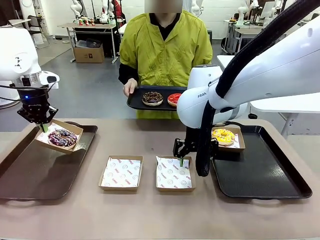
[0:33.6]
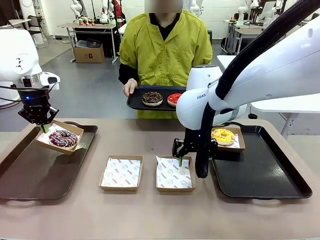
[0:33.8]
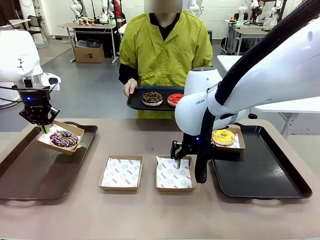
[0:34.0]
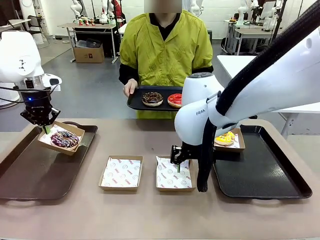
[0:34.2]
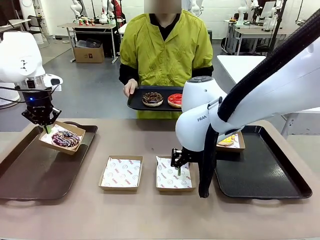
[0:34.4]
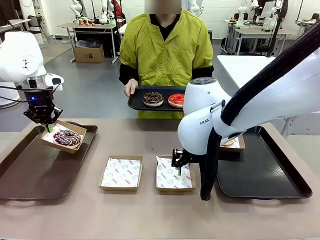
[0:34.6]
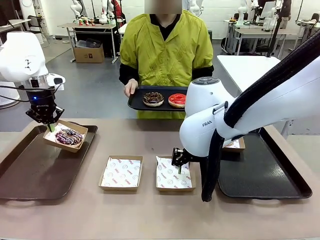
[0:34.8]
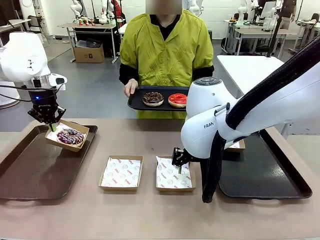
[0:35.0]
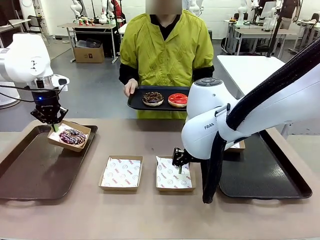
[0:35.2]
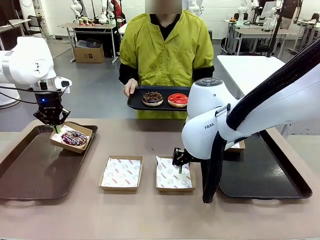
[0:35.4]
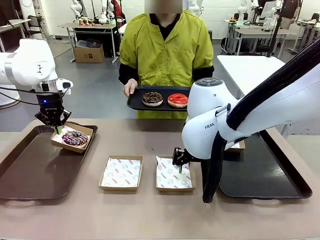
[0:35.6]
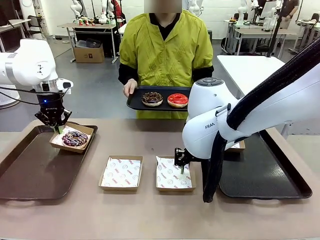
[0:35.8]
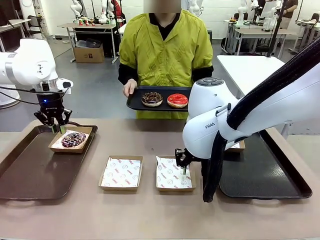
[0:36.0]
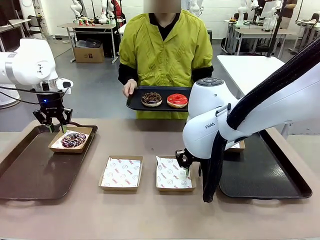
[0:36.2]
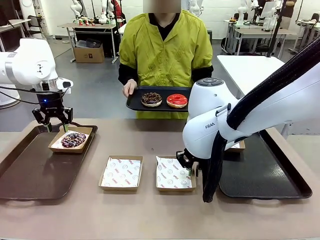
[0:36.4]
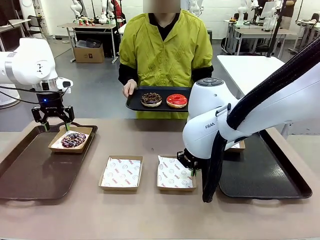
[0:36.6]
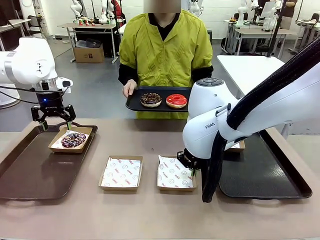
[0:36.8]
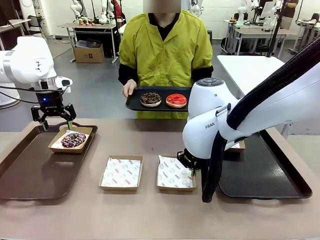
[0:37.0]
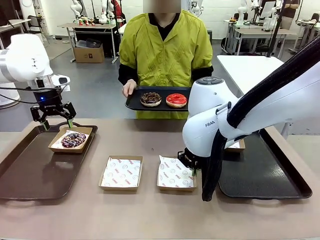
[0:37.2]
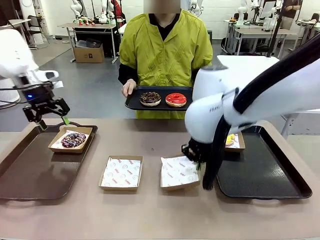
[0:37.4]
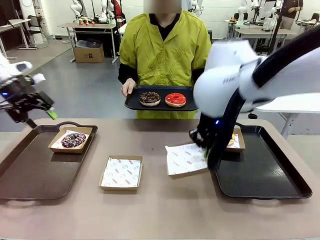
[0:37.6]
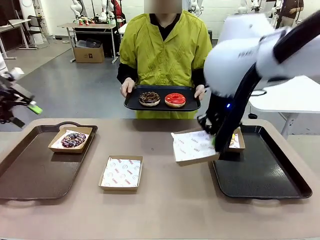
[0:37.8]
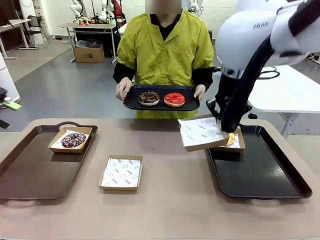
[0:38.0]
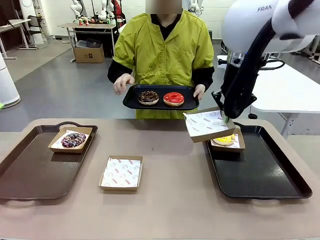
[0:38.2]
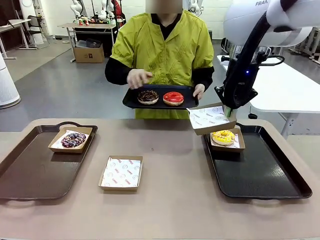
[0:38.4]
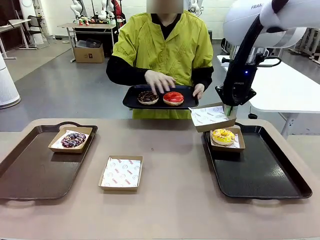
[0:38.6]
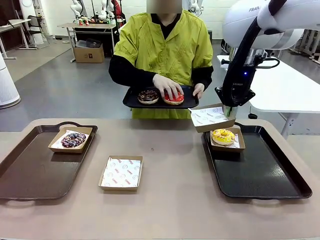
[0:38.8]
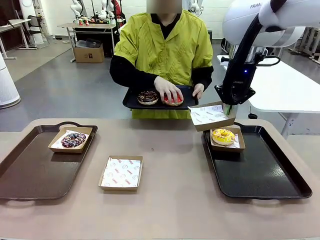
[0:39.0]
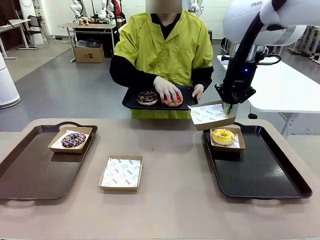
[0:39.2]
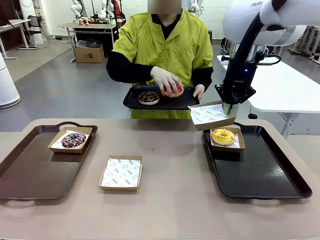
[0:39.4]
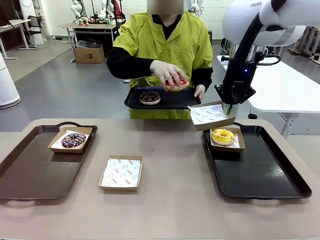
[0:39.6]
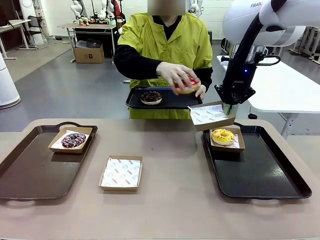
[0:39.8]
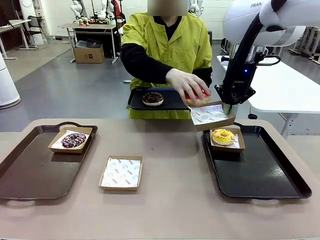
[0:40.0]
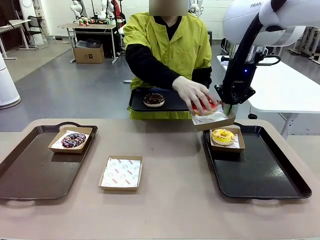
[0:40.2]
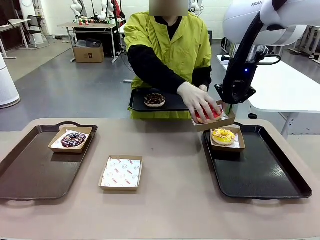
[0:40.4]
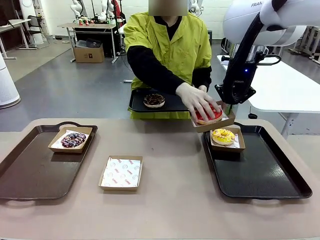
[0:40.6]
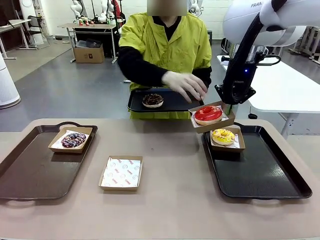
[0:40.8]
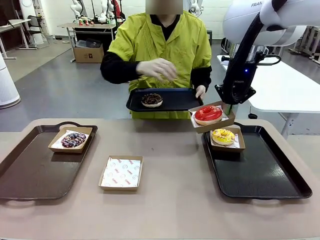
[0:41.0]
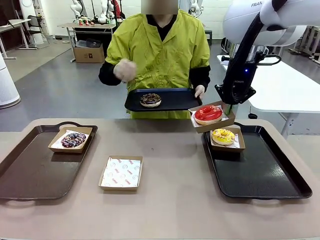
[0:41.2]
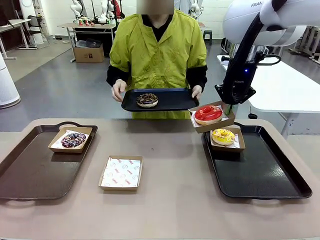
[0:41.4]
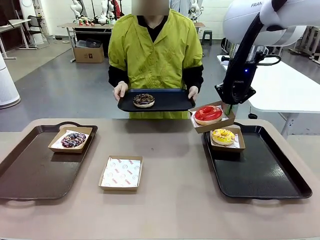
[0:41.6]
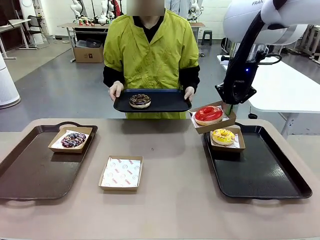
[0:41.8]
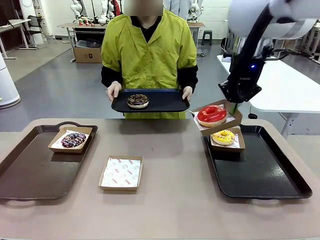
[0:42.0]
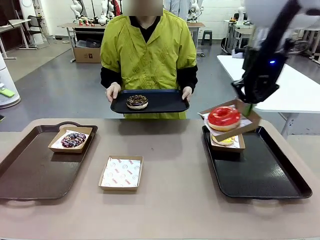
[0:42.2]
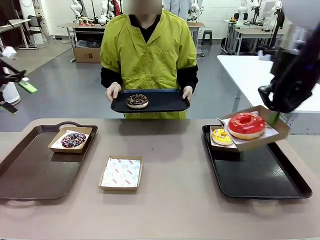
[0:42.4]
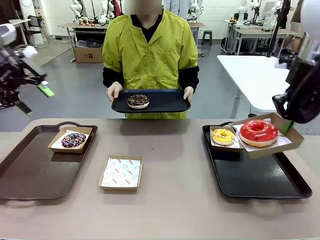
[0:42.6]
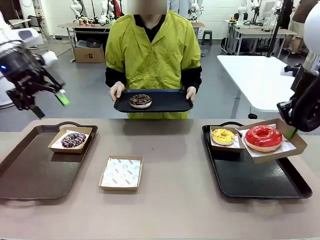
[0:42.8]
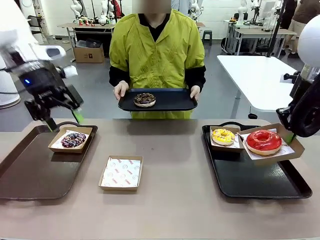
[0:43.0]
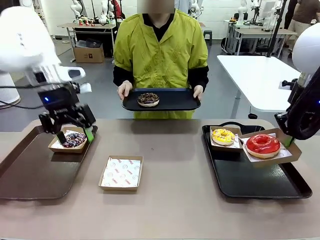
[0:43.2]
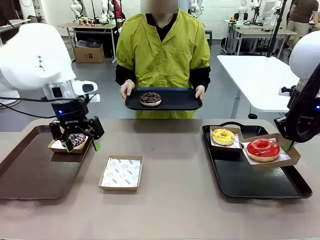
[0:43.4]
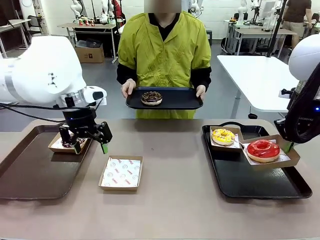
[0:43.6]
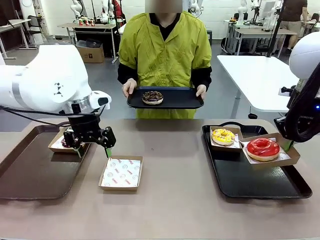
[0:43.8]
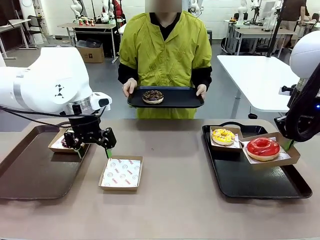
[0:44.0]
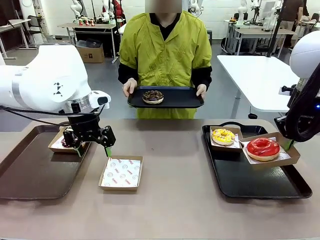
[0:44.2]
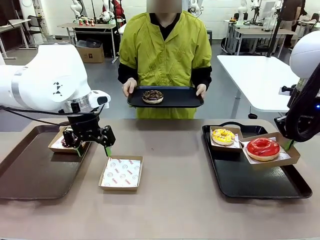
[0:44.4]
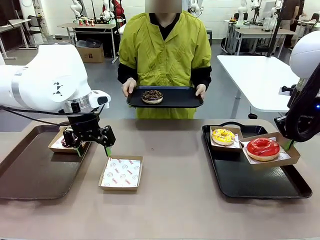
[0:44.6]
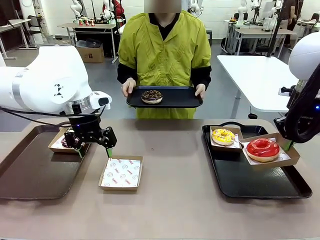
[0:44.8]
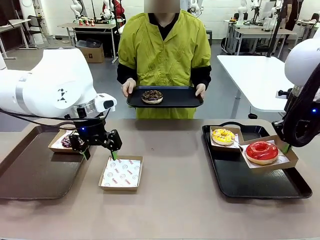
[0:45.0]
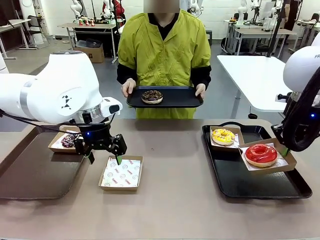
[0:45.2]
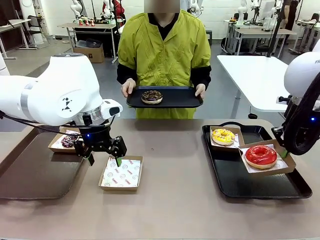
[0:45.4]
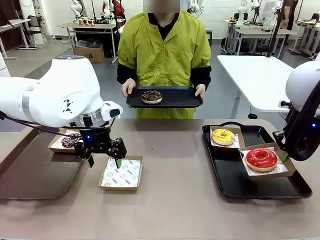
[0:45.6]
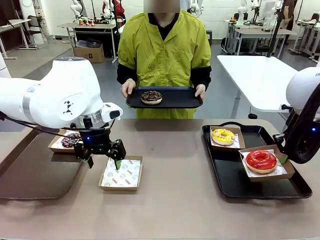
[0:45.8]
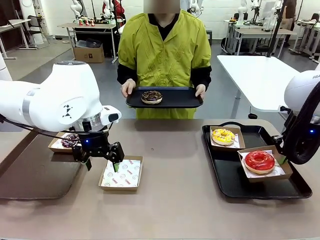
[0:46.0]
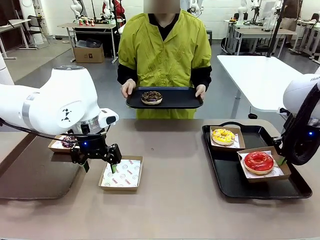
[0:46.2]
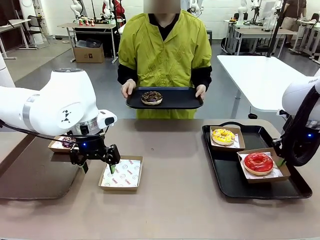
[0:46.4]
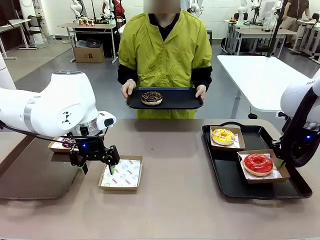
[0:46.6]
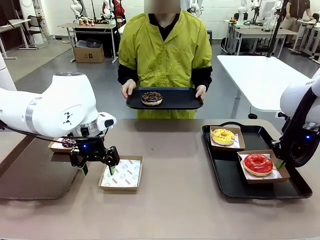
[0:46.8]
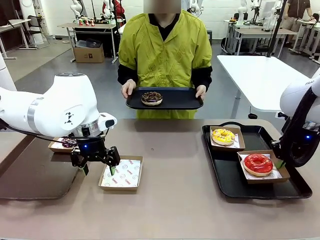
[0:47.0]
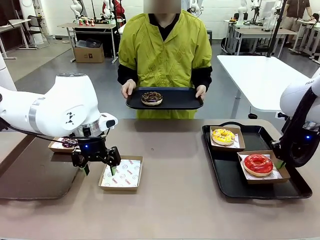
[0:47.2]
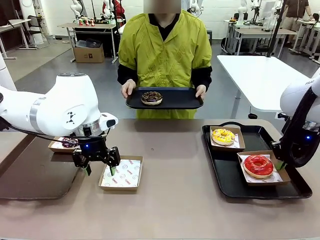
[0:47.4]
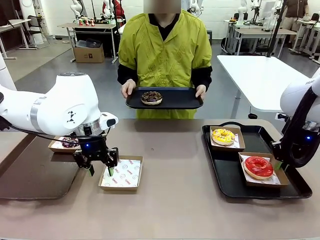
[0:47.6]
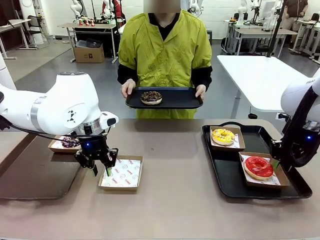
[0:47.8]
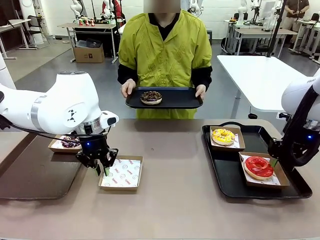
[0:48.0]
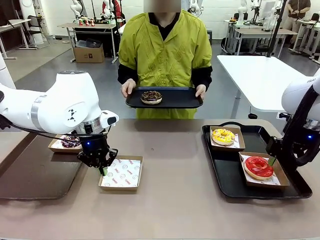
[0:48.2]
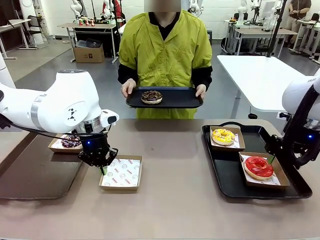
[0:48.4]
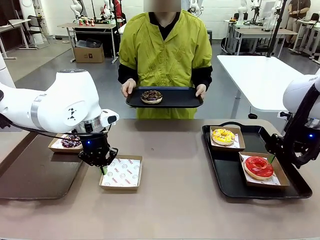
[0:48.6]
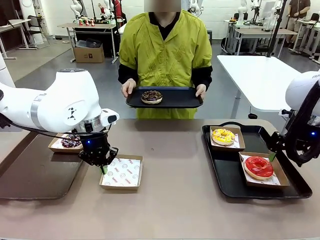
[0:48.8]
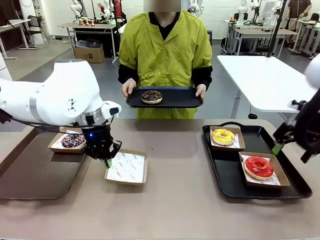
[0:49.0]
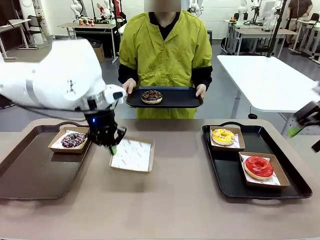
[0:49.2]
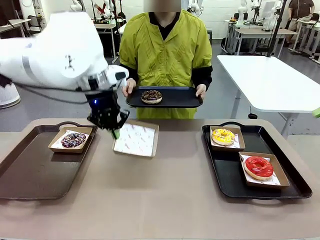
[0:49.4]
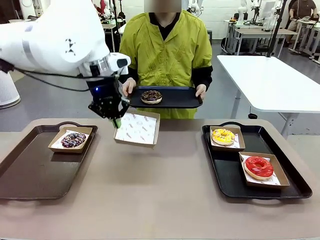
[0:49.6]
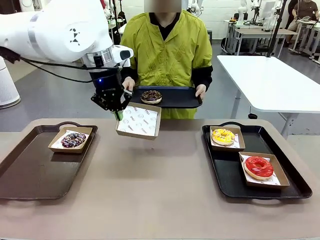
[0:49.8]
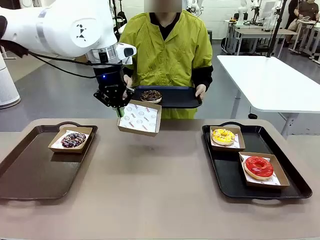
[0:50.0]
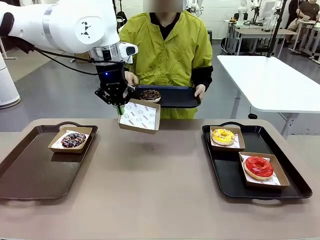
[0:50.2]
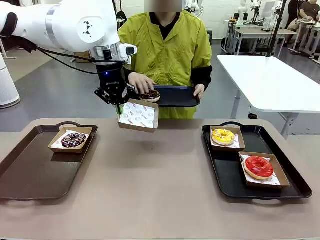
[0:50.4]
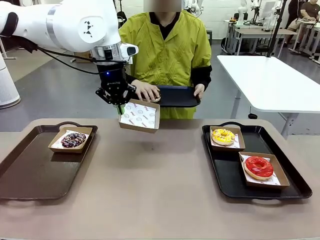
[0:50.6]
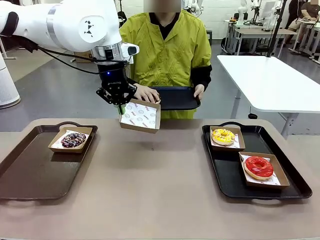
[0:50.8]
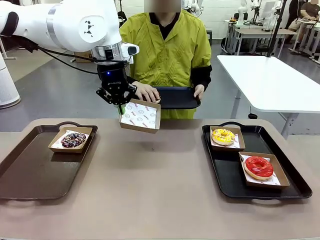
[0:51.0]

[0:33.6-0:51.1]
Task: Individually package the donuts and arrange them on the tray.
Robot: Place the picked Paper togo box on the Handle tray while simultaneously picking up another Paper togo box from the table with the other hand.
